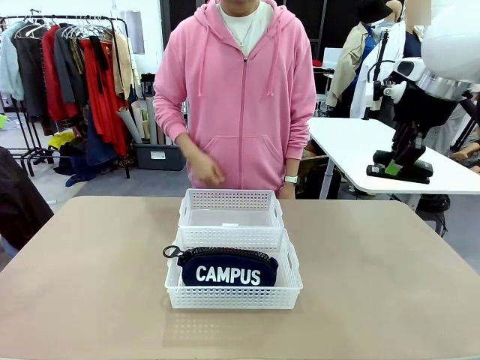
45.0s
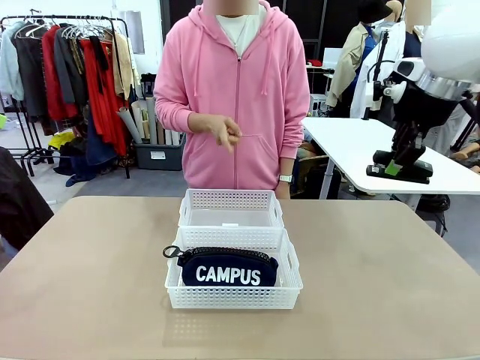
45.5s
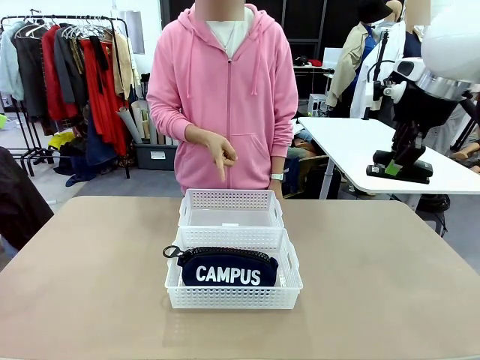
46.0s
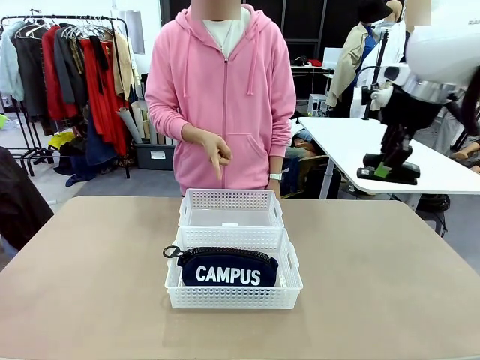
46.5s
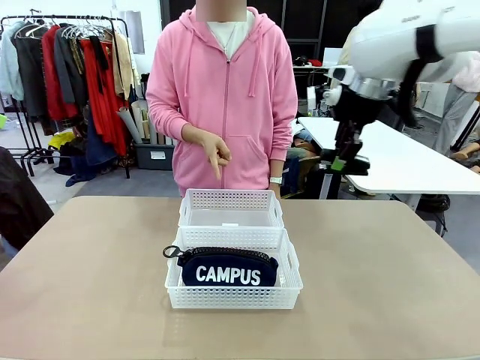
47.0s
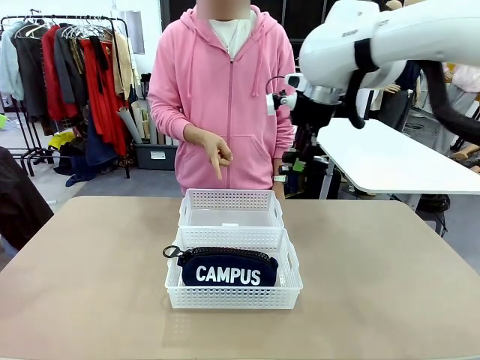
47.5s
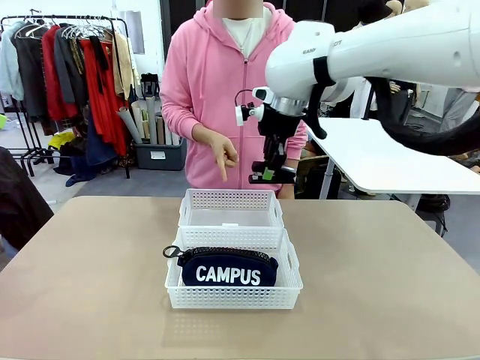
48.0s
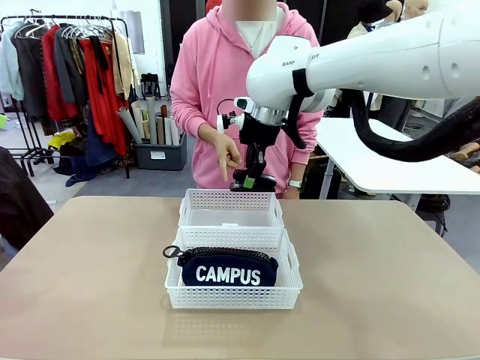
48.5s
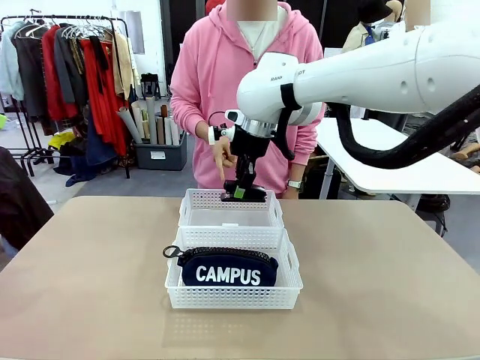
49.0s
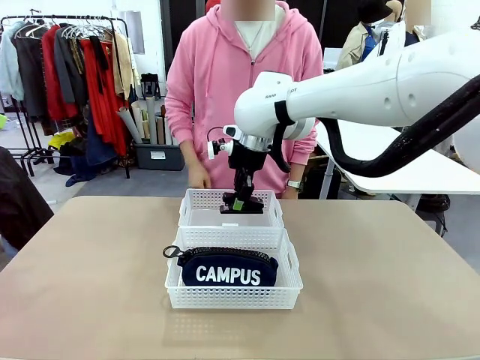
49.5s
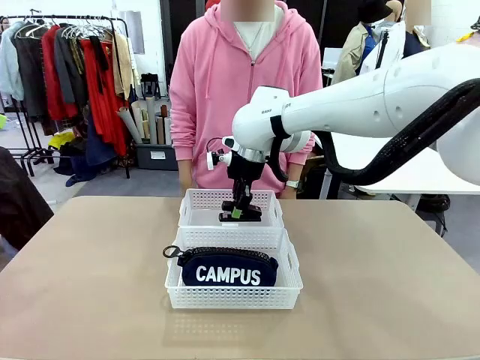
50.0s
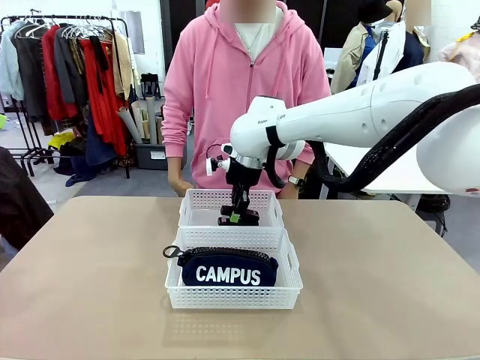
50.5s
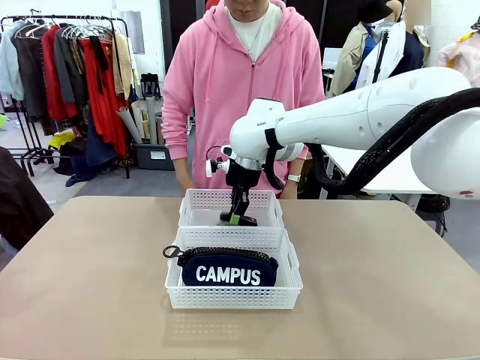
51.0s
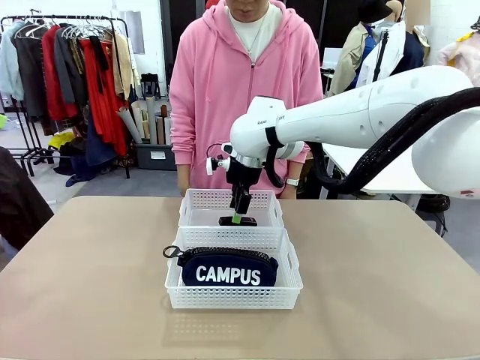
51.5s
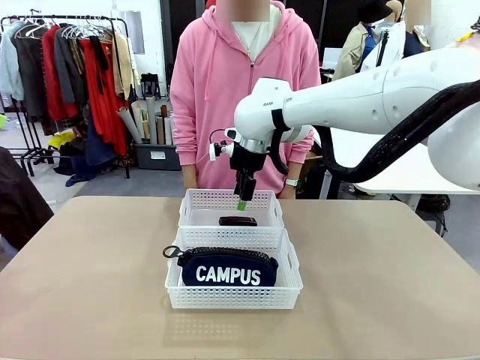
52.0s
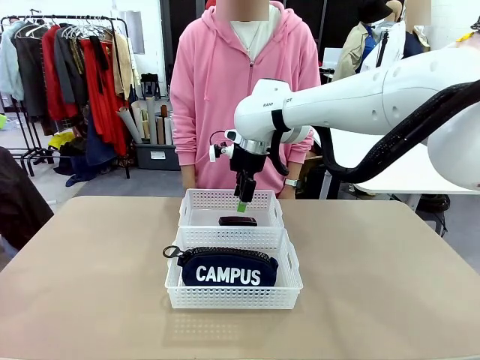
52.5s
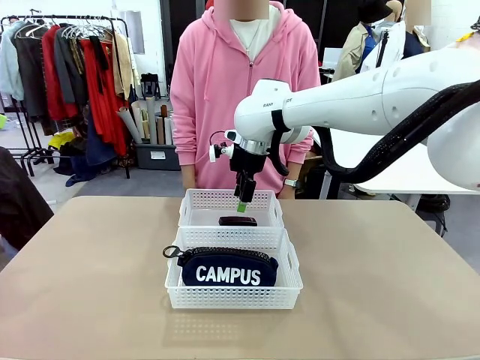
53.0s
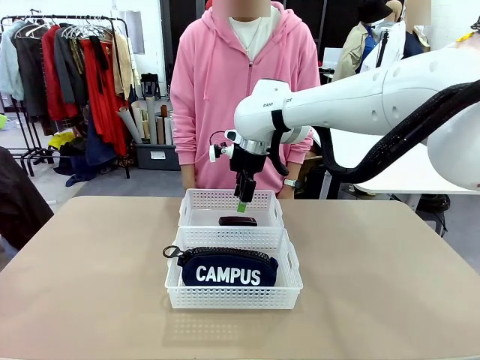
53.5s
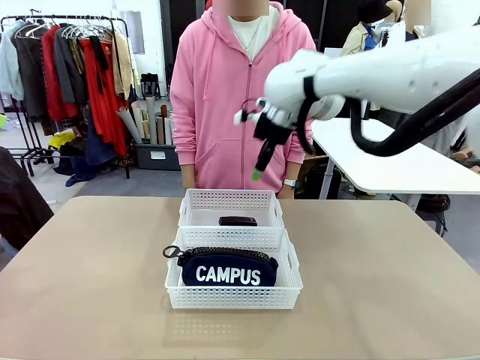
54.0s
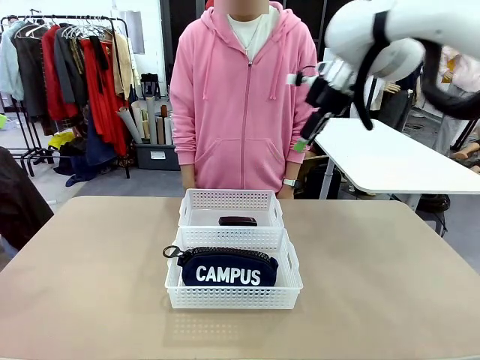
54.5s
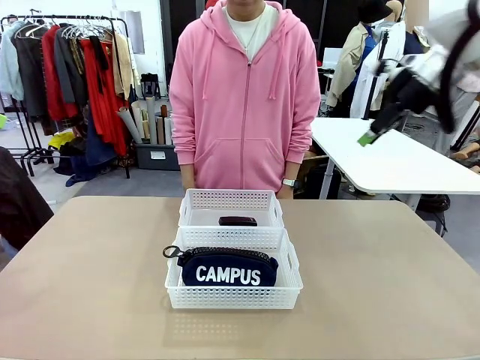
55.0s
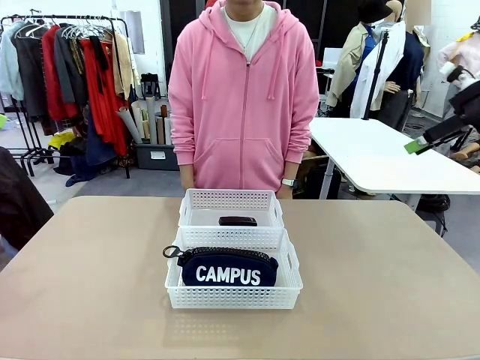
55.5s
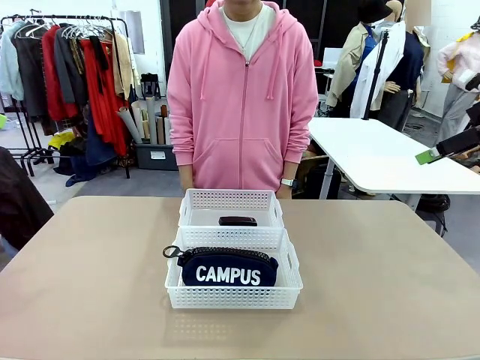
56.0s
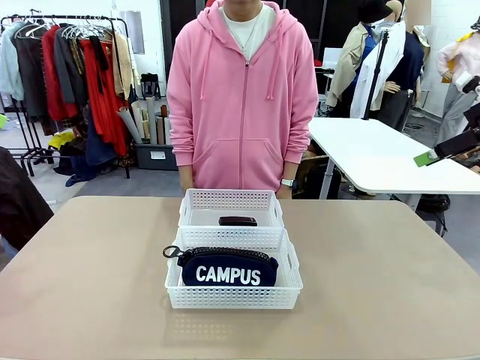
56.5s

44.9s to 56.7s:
Task: Distribute items into two baskets.
Robot: Place the picked Stapler into the Organizing basket as instructed by the person.
Person: Points to the basket that does not contain the pencil case and instructs the robot to move the stapler there.

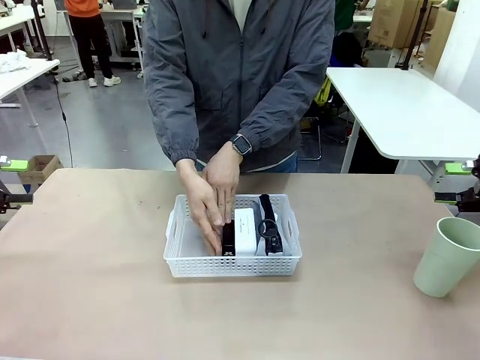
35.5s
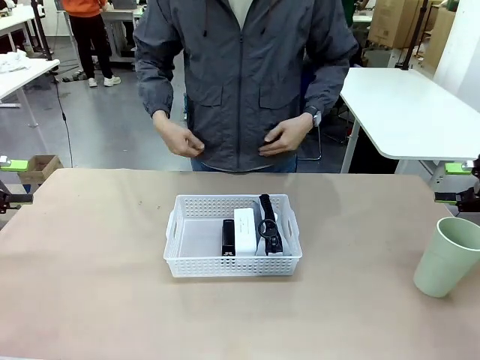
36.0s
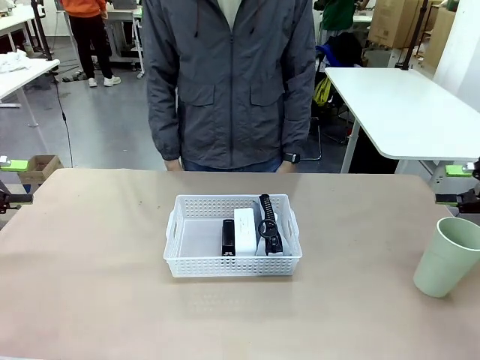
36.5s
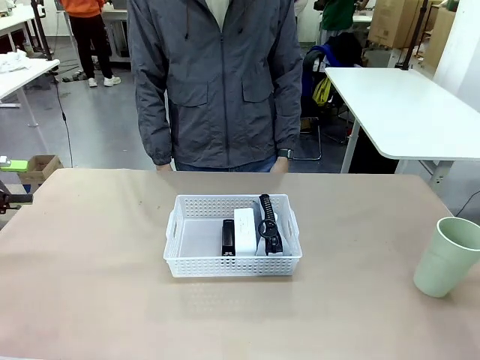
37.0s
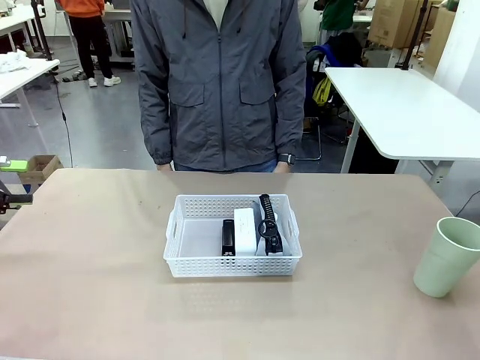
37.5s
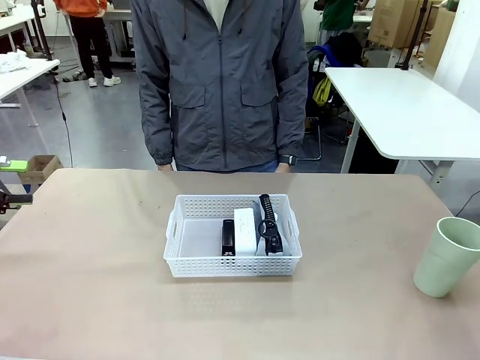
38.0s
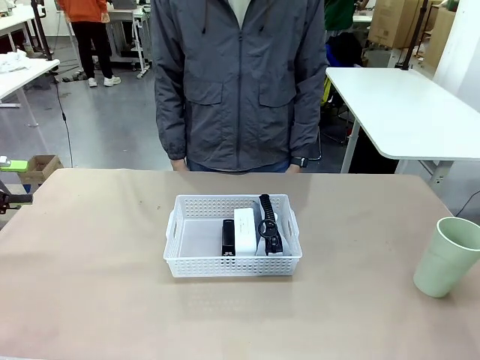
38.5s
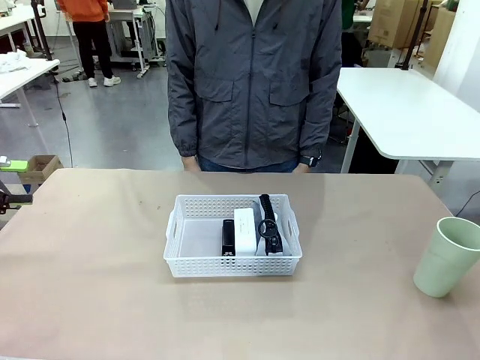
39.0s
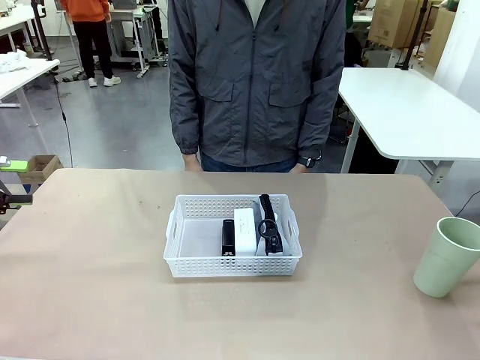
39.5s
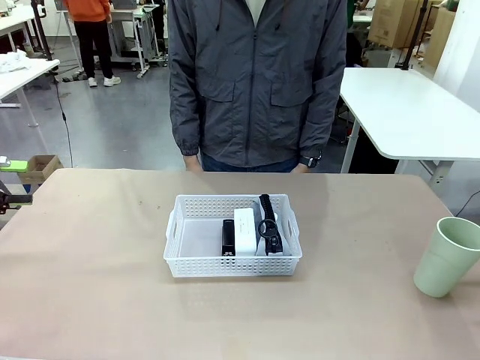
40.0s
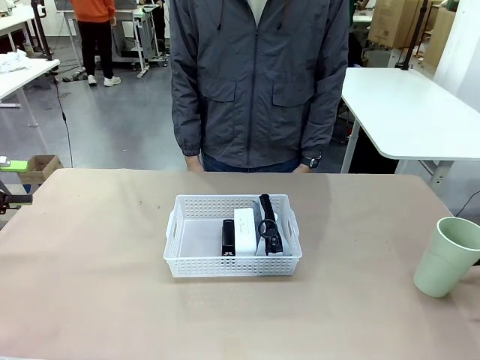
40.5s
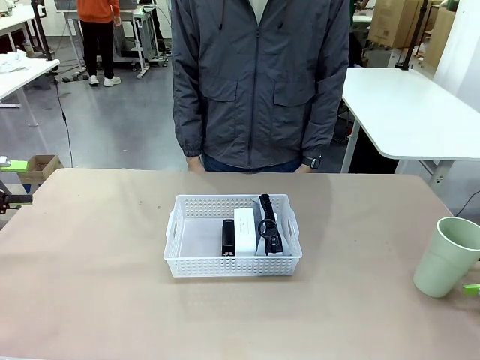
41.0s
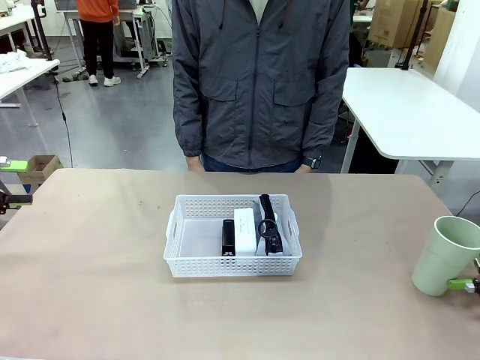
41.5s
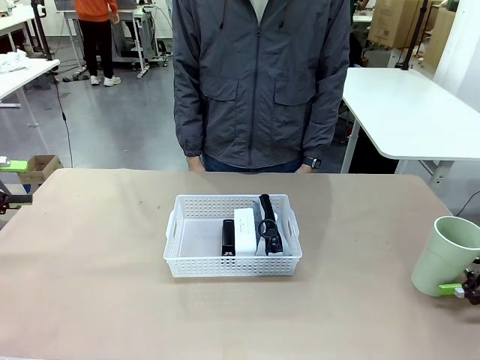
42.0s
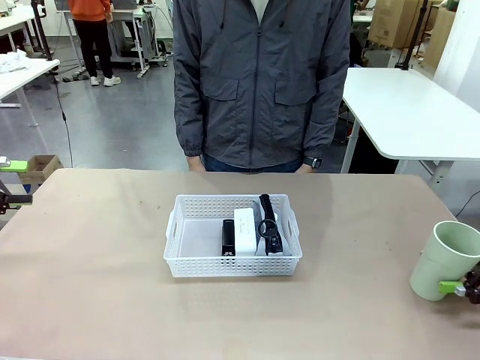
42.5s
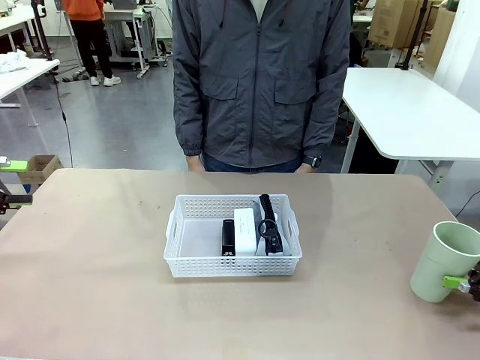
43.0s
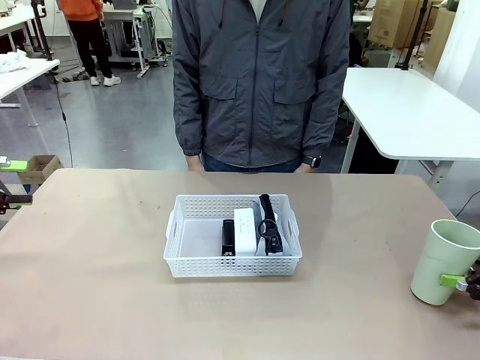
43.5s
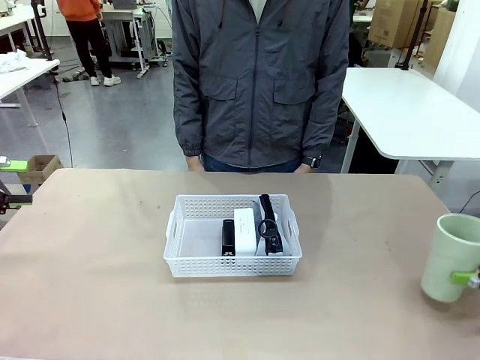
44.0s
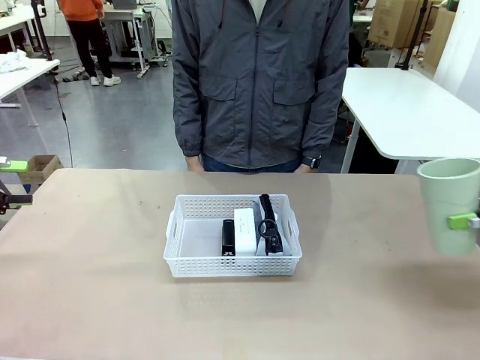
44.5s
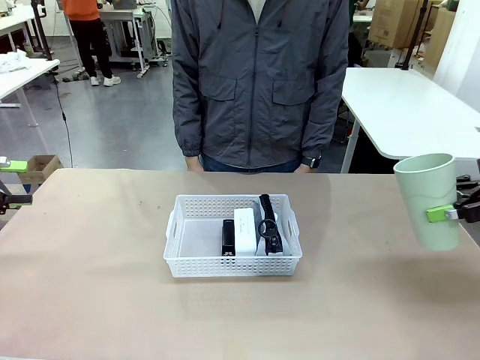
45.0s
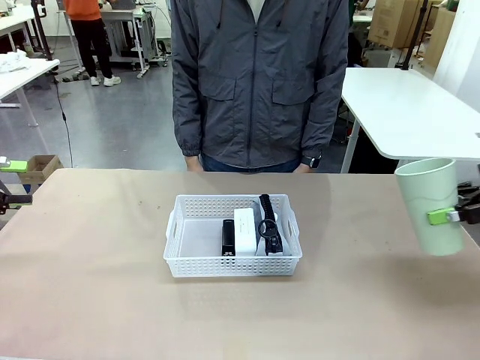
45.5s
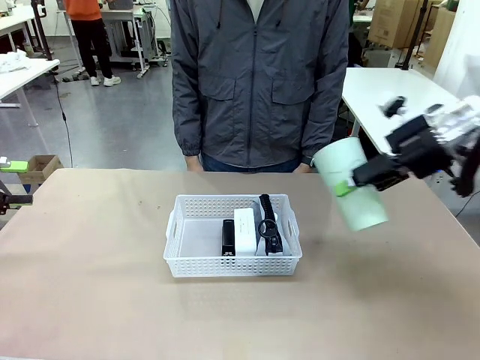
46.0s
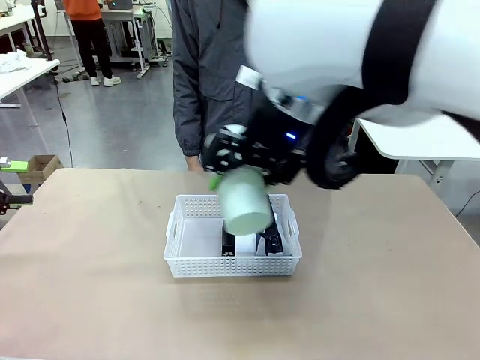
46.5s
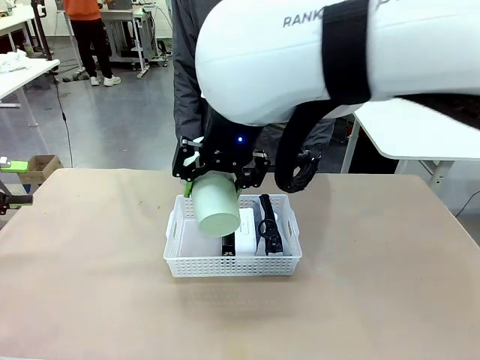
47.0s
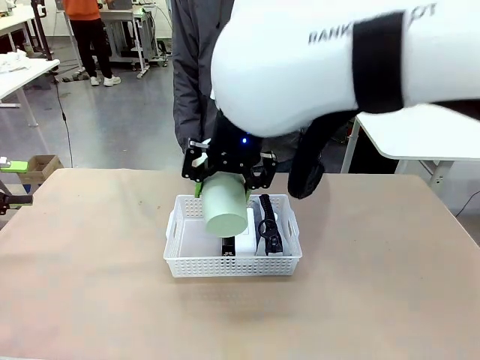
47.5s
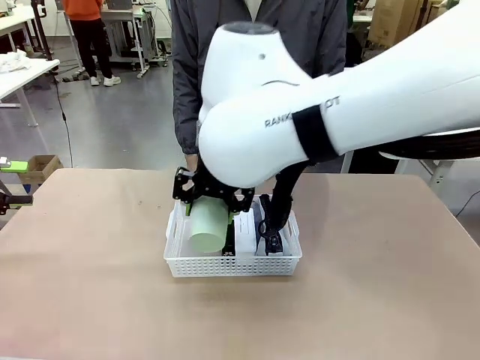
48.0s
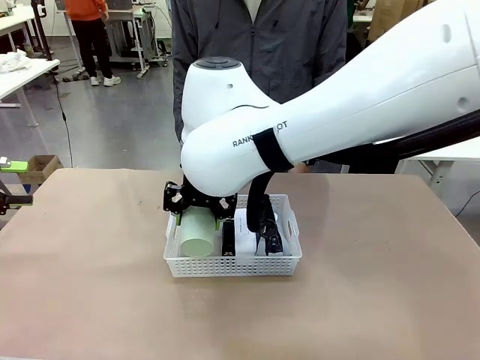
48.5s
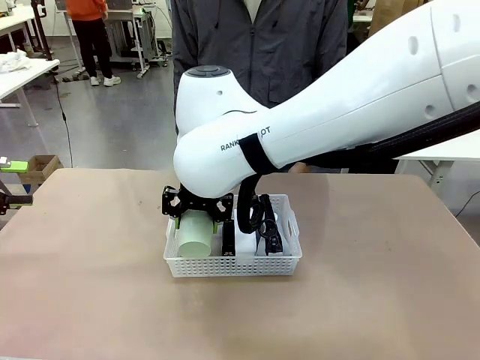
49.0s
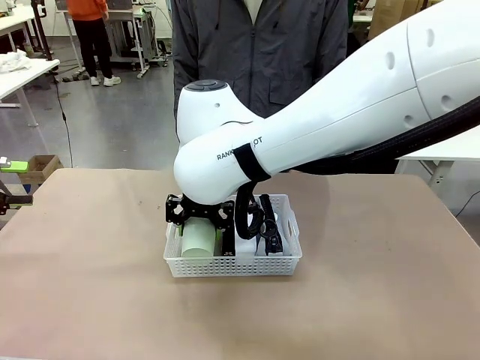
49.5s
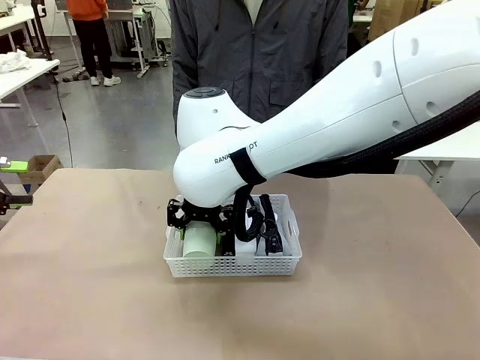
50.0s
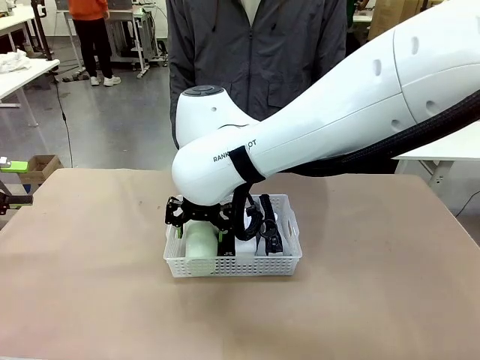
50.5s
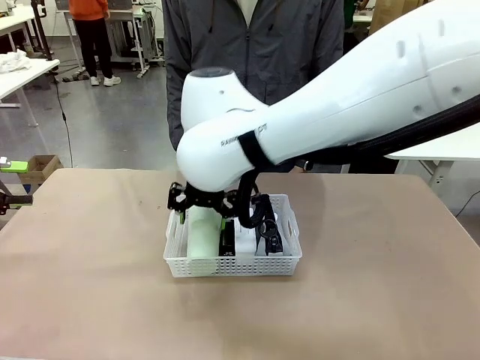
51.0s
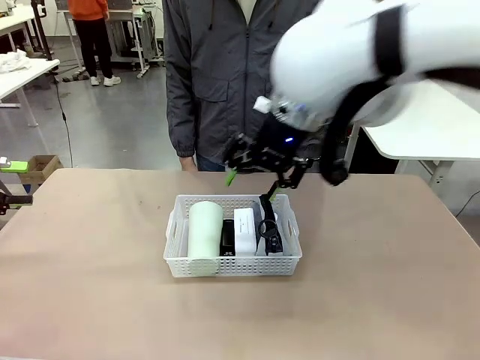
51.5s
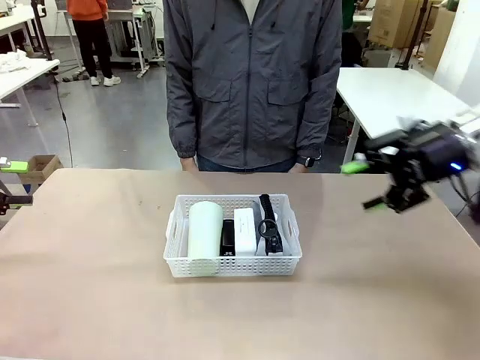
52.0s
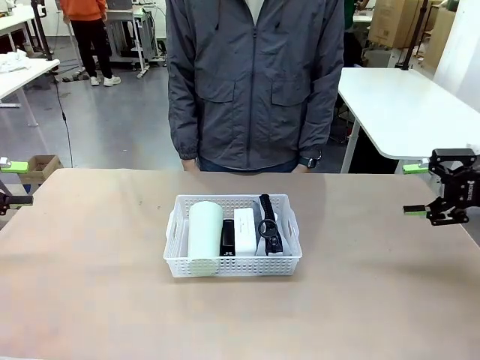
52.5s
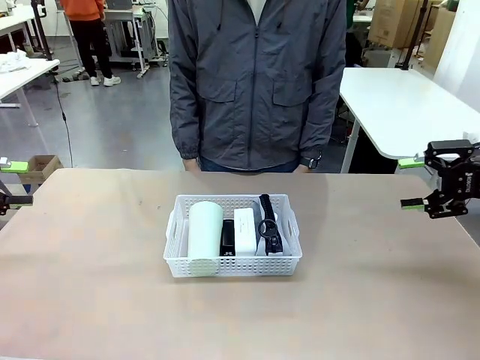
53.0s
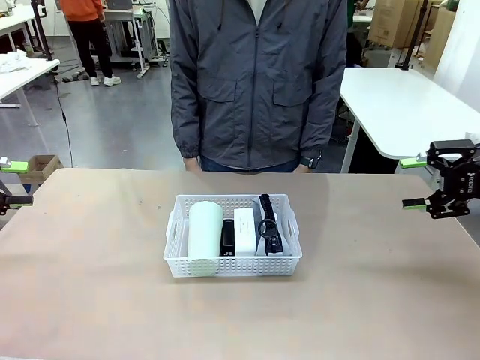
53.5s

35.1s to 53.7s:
Task: Efficiently arrange items inside the basket to fit them all.
Robot: Pick up the Reusable plastic cup and place it inside the Organizing basket.
Person: Repositions the stapler.
